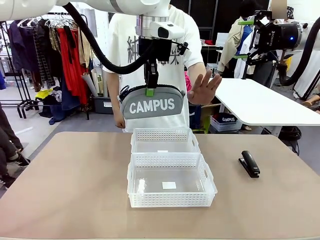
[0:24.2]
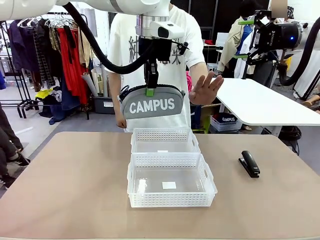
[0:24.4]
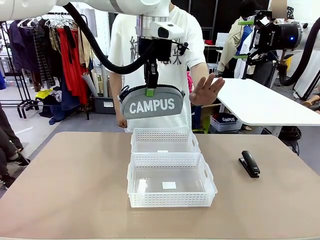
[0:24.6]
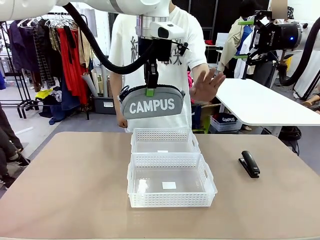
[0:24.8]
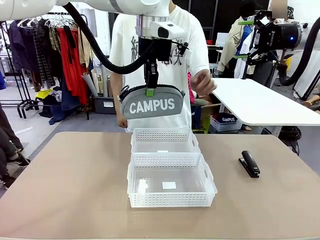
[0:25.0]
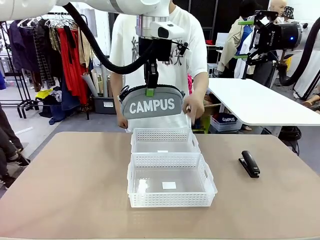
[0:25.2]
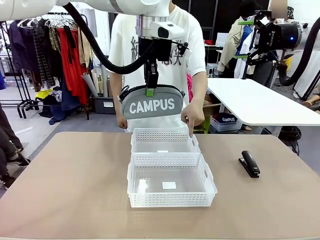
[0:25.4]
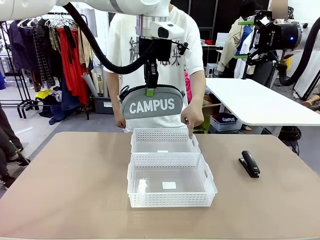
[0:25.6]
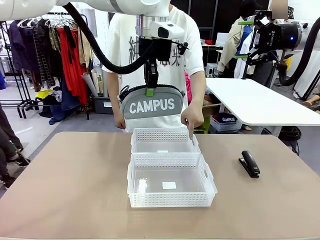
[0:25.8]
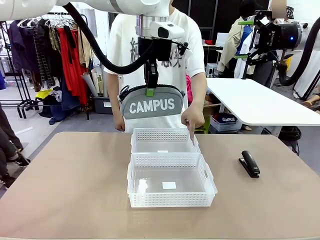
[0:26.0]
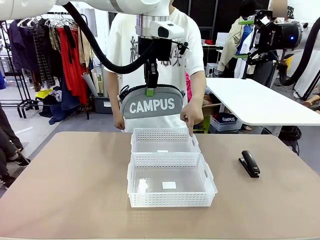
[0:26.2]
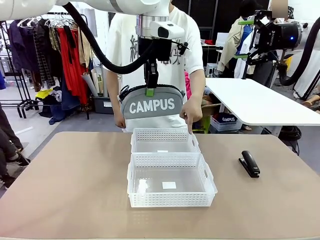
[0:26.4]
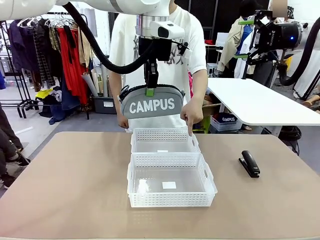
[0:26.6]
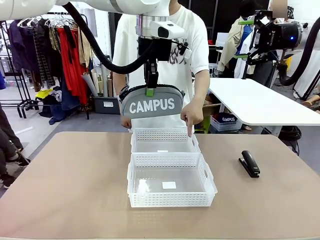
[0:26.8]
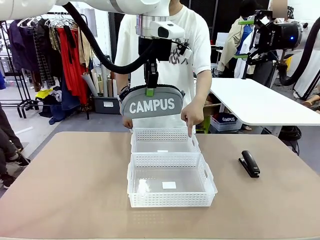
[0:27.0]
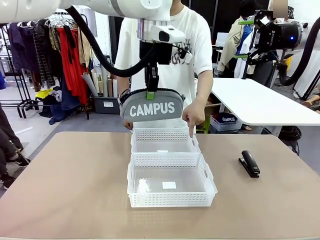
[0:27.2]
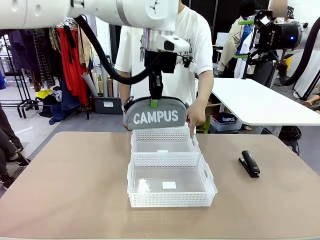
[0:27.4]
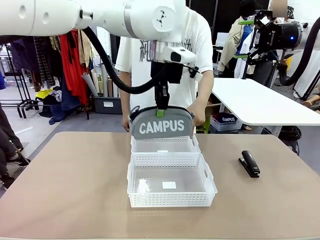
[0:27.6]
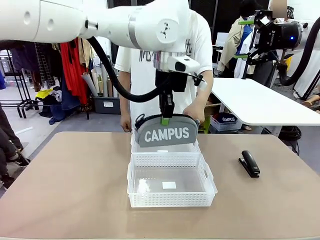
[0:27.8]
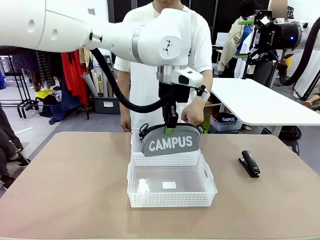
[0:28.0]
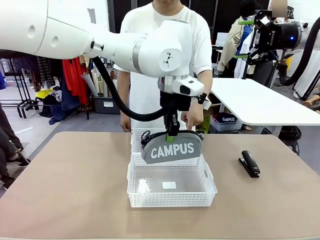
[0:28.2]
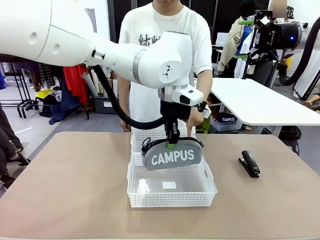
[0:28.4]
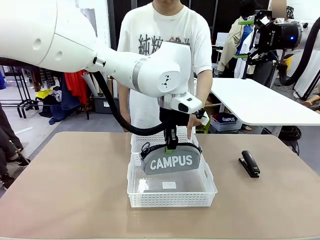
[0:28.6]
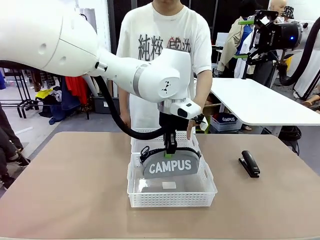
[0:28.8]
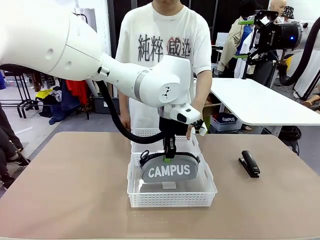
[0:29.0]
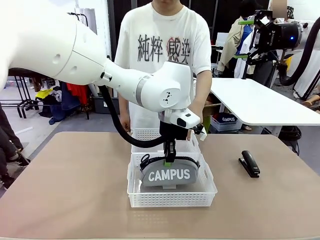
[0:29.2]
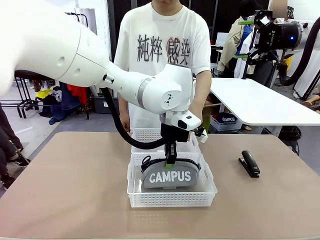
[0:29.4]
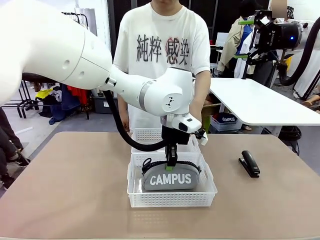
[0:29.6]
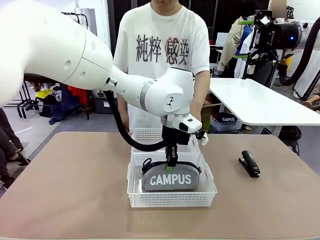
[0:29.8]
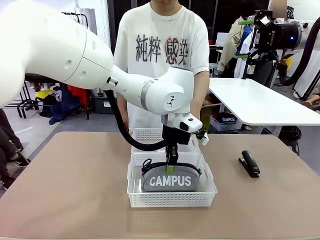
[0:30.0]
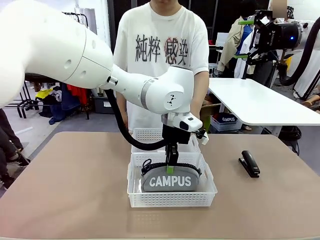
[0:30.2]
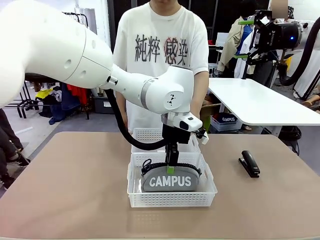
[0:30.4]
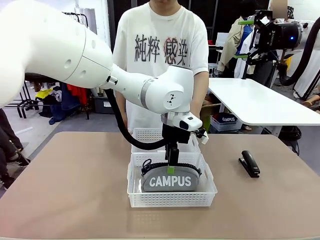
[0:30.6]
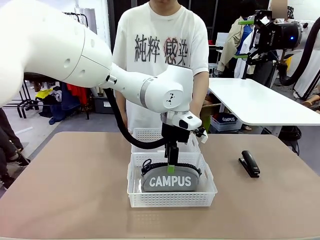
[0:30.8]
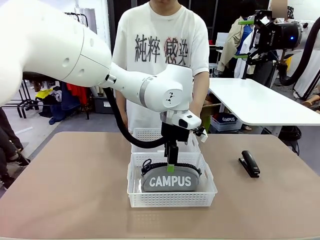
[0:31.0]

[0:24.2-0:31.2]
Task: Distribute items into two baskets.
Robot: Place the picked Pencil pouch into the Organizing basket as instructed by the person.
Person: Instructs the robot to place the pencil case into the opposite basket.

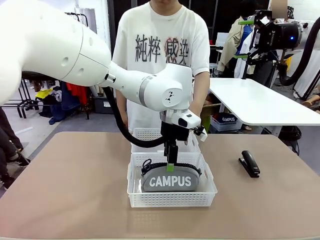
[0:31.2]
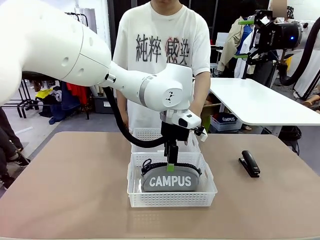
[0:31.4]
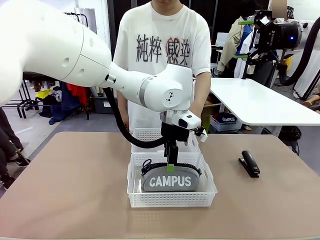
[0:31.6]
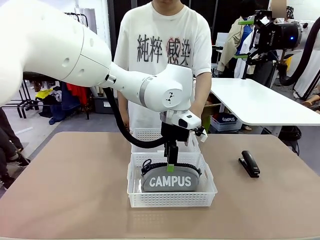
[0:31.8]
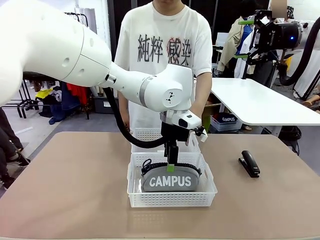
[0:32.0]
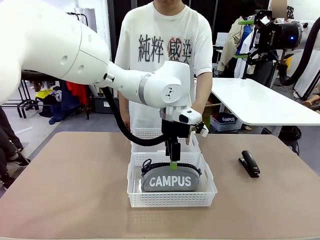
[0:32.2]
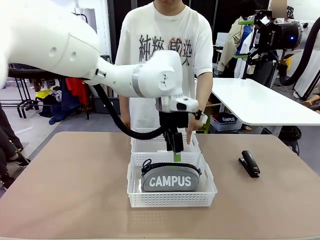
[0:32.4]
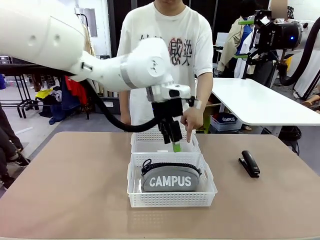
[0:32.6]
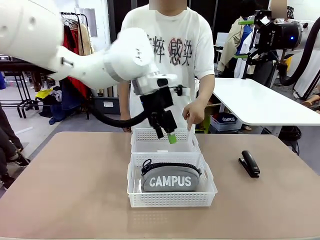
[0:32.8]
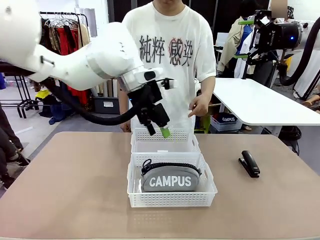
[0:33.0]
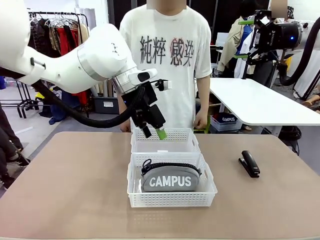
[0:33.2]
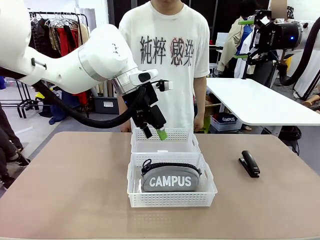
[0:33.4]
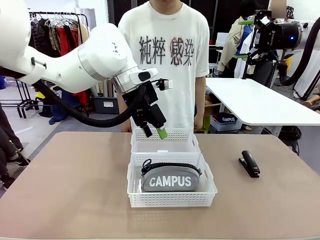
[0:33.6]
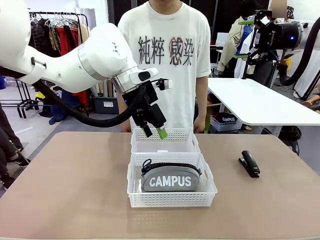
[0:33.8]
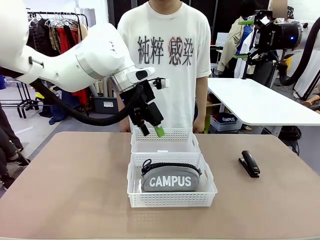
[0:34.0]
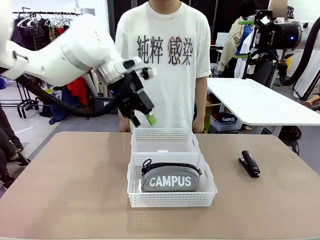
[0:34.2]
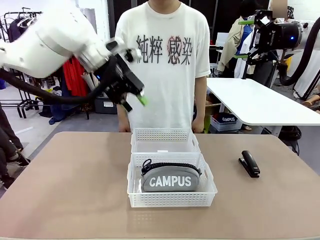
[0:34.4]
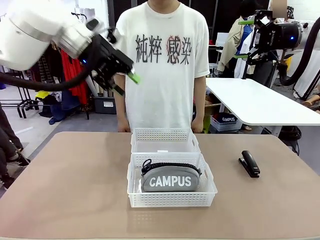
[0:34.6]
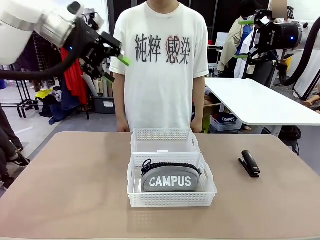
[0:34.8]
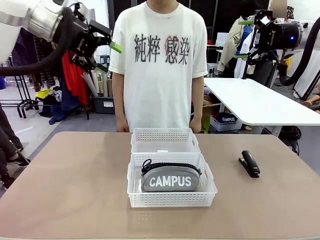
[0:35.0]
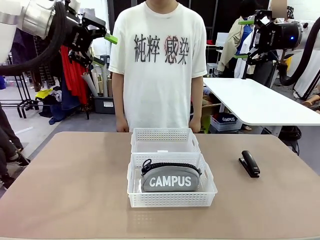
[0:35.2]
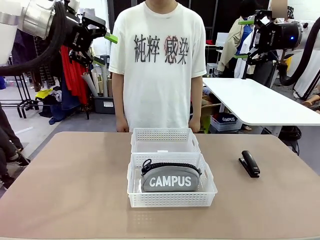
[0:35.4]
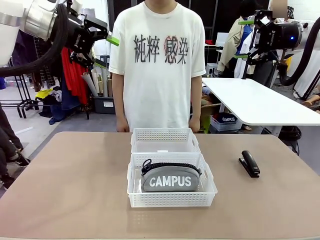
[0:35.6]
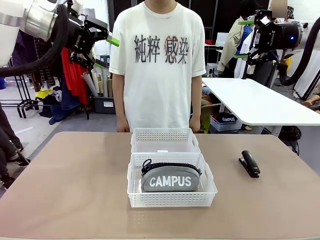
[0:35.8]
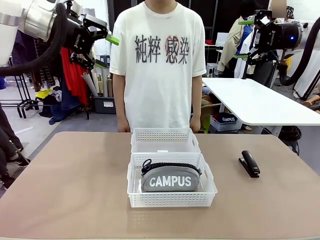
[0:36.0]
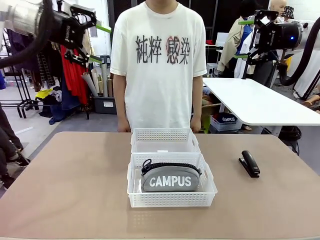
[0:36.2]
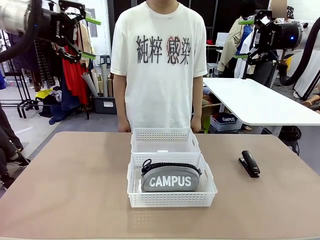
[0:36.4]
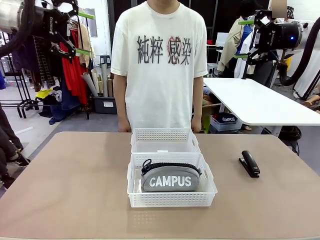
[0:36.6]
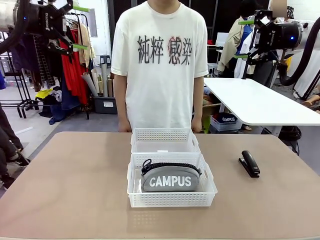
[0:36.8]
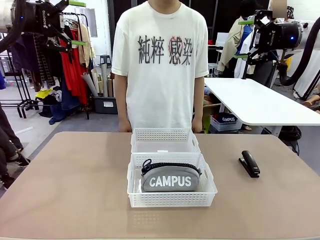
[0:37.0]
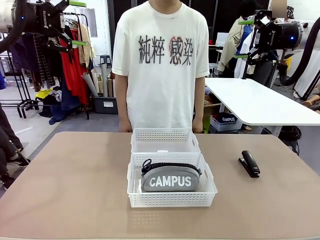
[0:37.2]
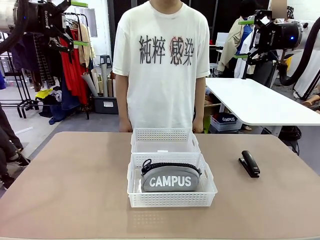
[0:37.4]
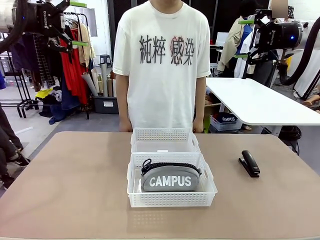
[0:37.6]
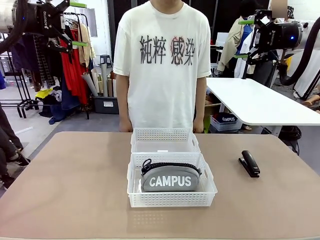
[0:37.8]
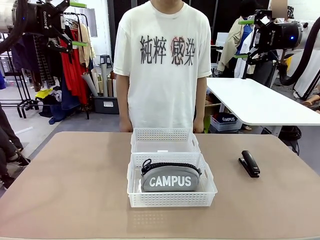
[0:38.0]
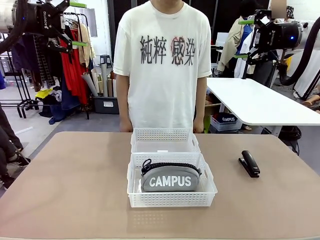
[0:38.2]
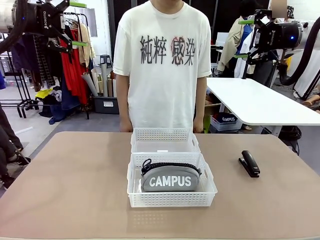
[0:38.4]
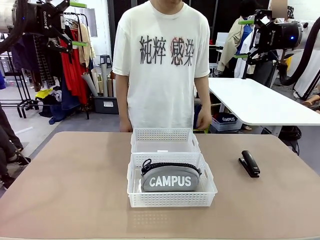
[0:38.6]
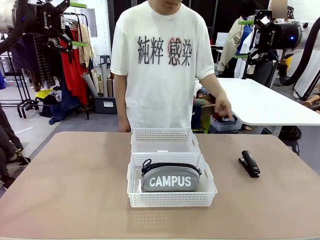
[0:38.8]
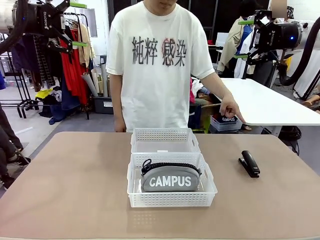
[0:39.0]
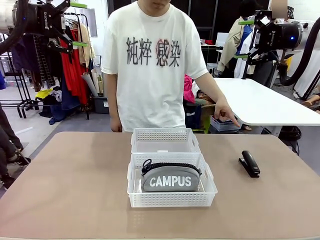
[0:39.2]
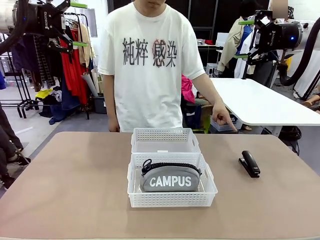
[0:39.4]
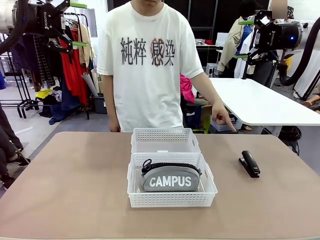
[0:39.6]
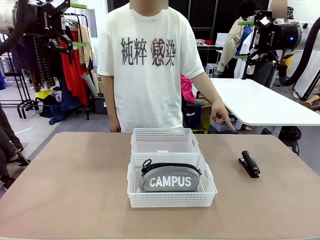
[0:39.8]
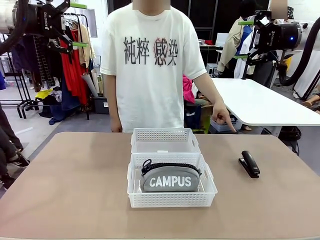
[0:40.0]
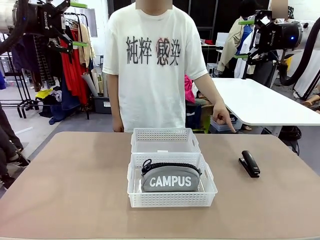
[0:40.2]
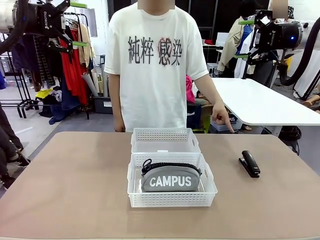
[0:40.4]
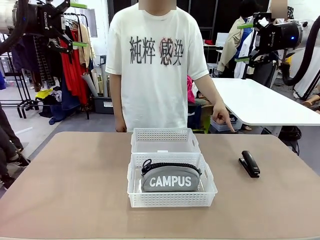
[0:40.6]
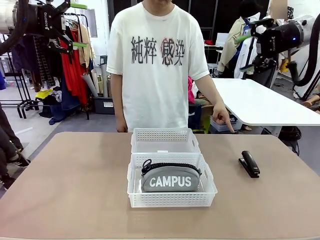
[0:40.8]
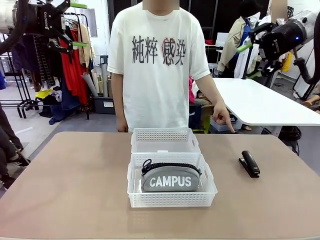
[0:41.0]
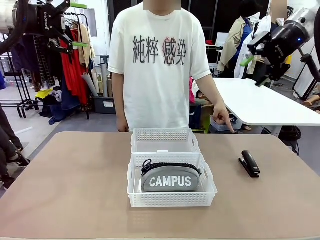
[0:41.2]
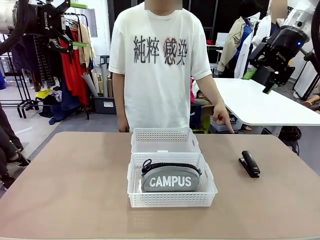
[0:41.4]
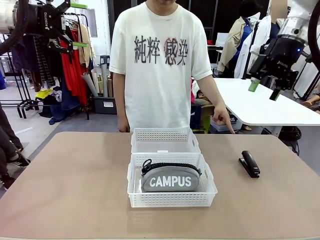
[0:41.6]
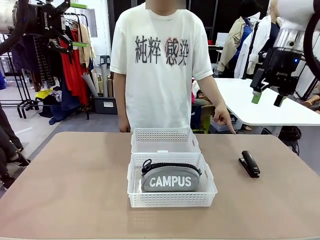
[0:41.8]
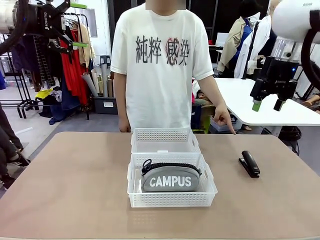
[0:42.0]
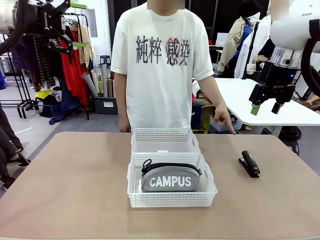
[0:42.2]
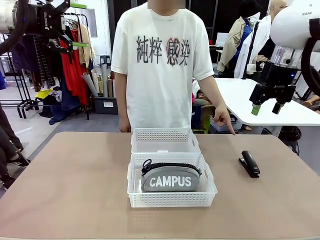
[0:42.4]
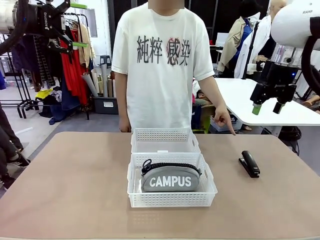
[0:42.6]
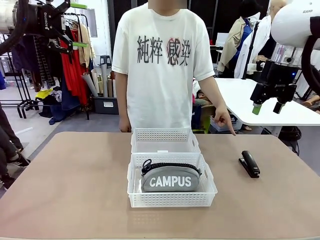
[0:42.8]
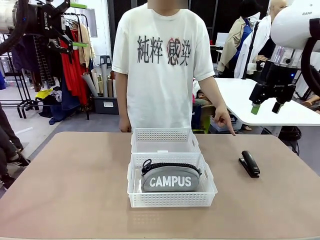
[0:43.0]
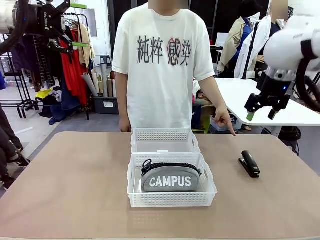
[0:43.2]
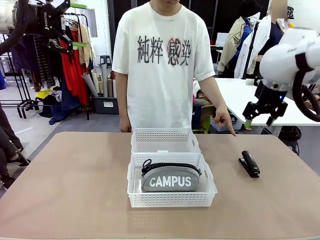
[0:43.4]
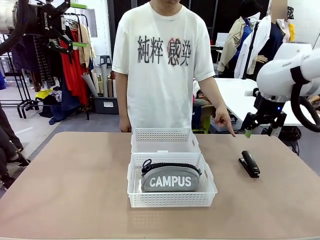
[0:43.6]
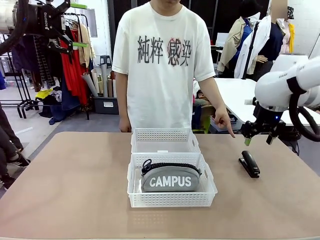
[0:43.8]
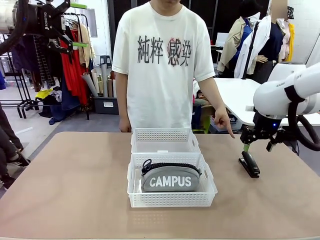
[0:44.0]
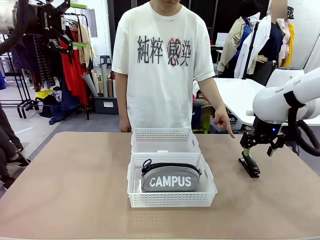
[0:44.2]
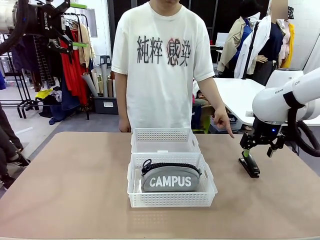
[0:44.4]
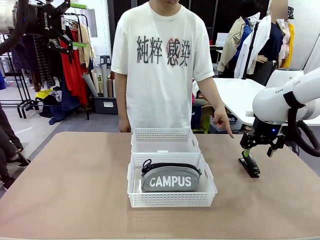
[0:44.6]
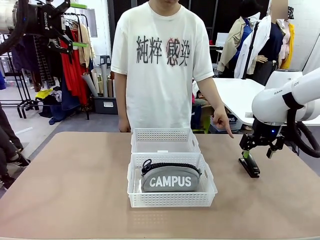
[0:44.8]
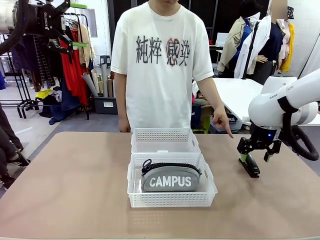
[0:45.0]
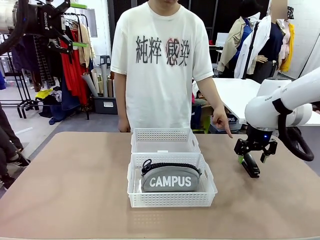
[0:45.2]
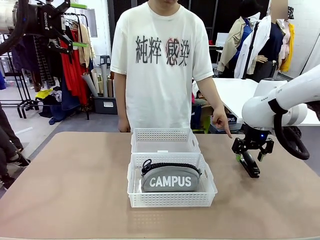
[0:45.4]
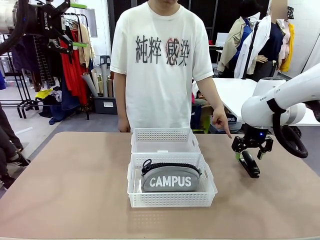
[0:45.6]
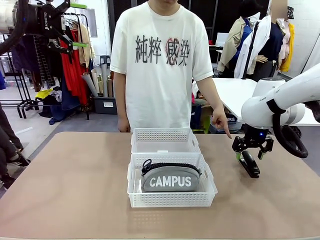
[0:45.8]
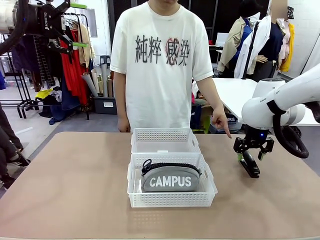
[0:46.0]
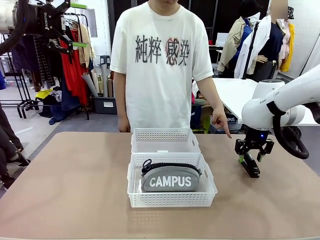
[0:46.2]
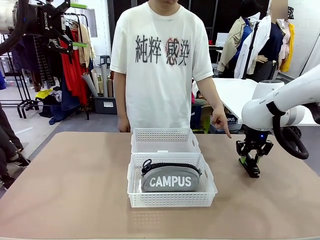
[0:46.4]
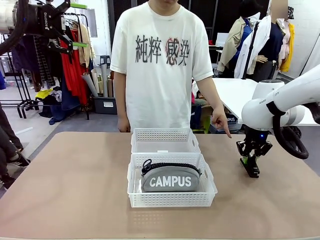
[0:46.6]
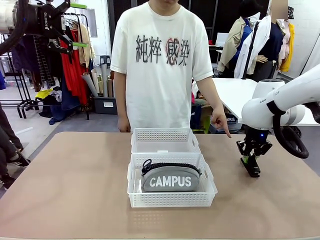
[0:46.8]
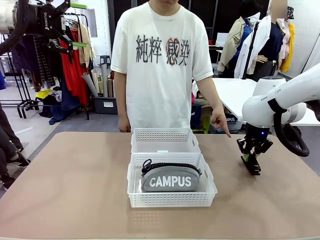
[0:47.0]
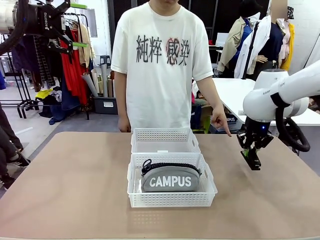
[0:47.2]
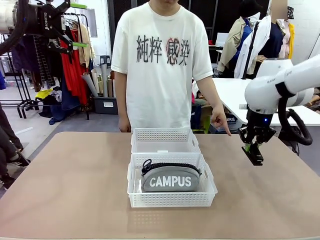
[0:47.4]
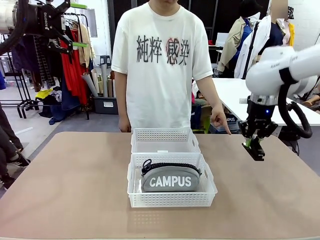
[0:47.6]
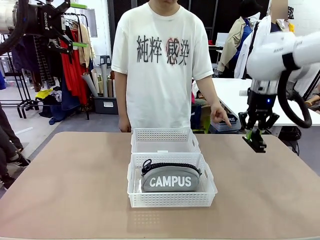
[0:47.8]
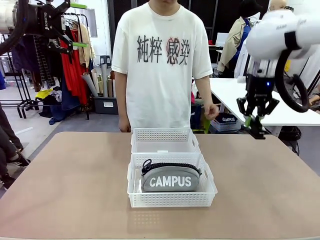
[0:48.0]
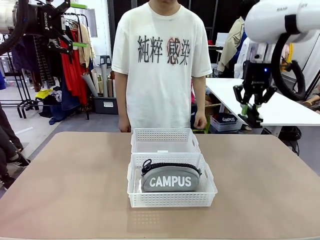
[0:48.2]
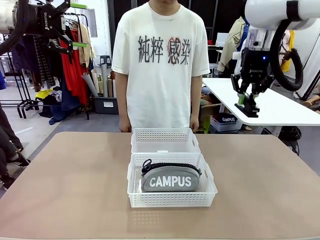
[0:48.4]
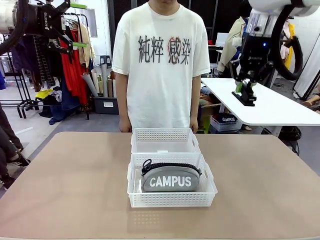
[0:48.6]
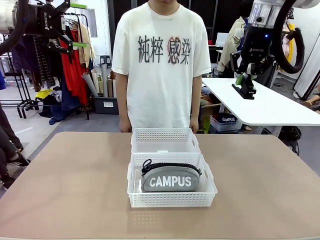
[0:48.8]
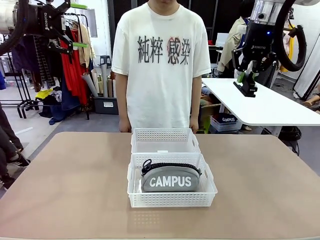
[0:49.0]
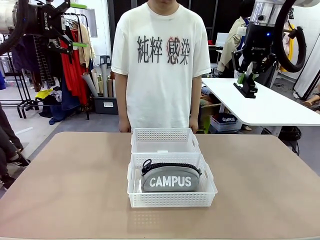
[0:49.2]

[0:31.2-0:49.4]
Robot: Pick up the Stapler that the person points to.
Person: Points to the stapler.
